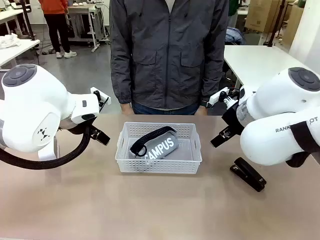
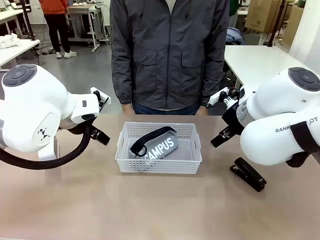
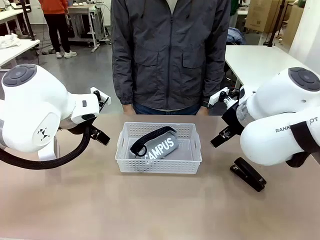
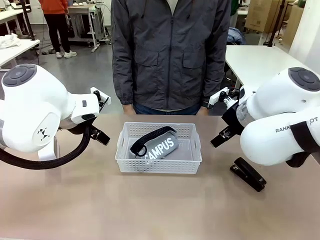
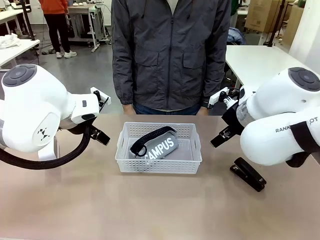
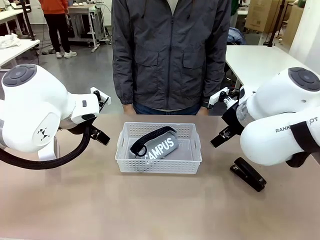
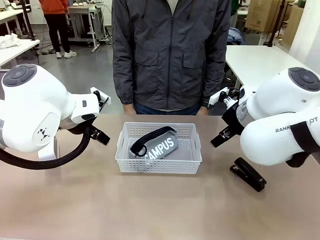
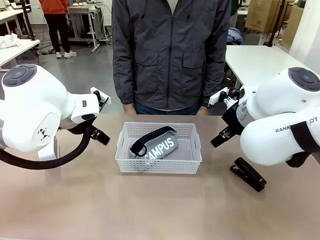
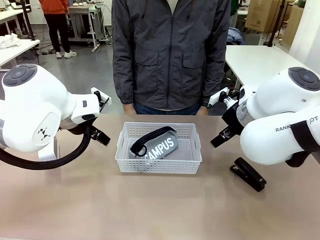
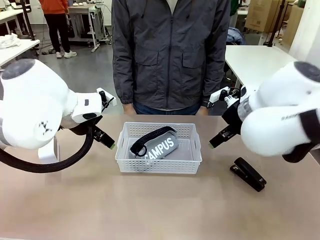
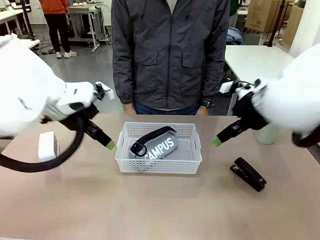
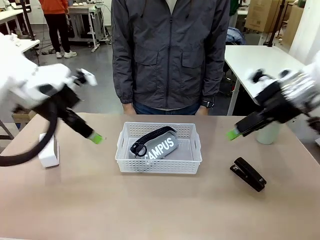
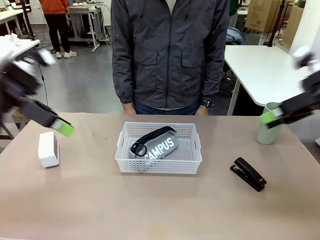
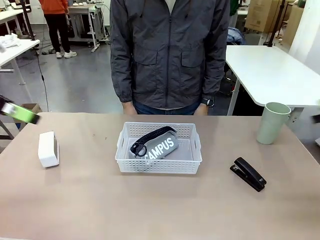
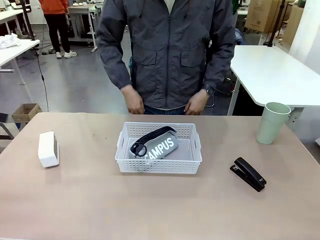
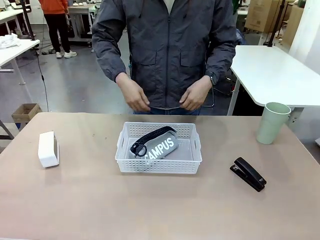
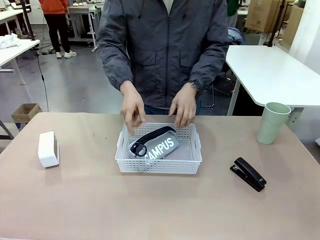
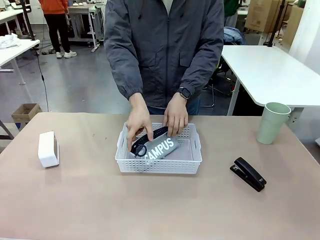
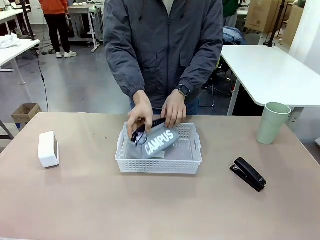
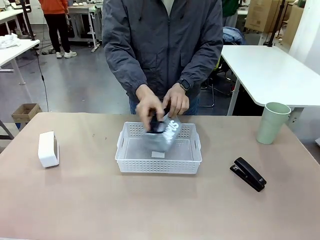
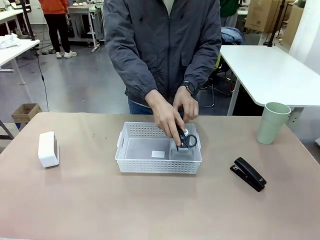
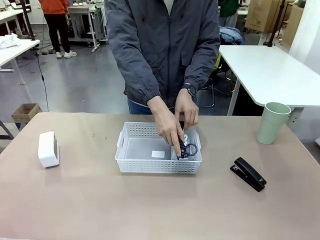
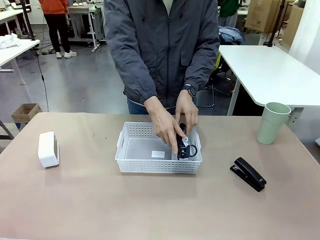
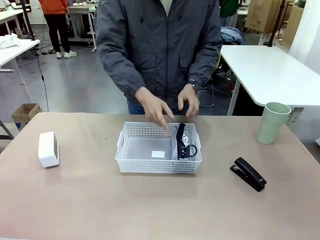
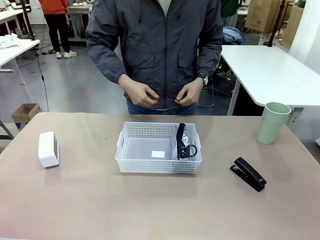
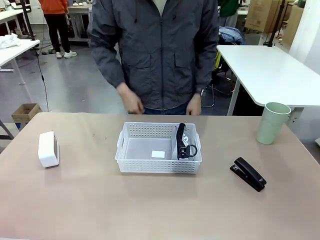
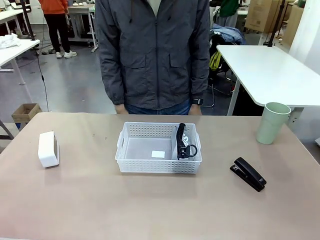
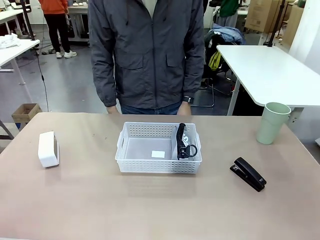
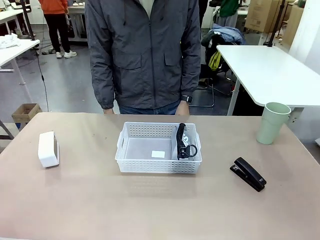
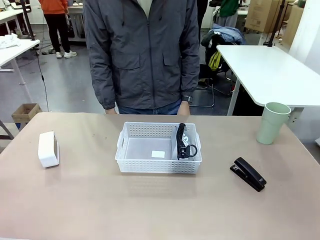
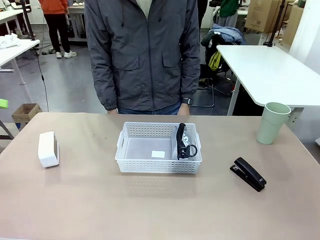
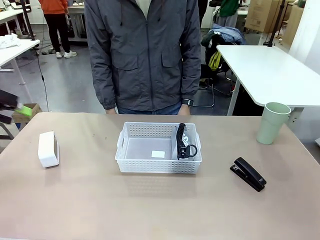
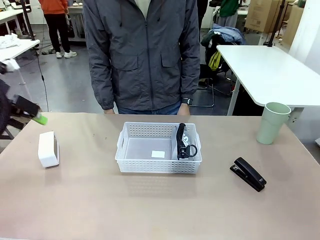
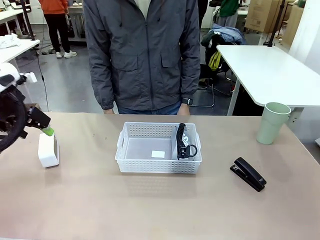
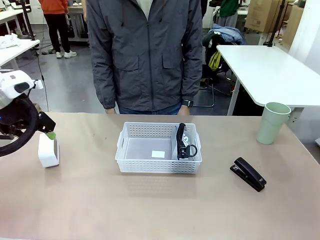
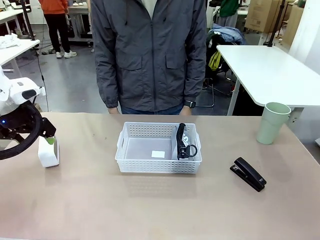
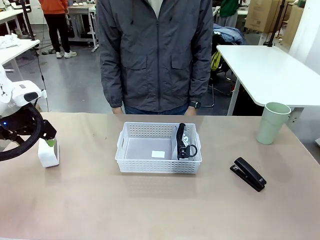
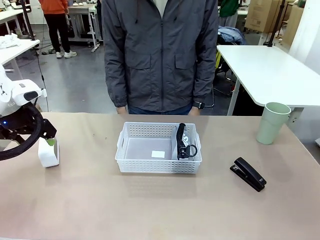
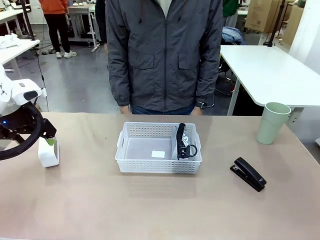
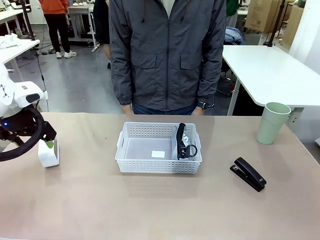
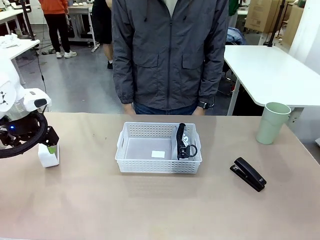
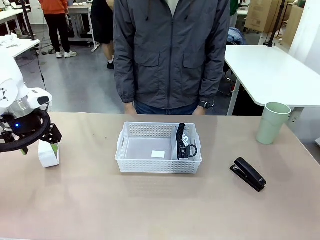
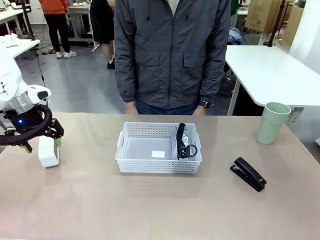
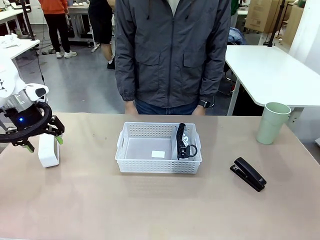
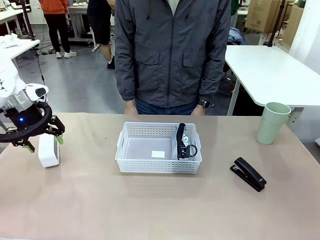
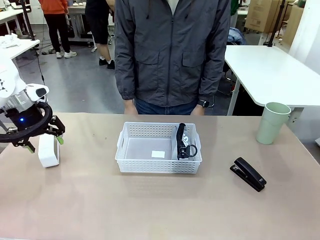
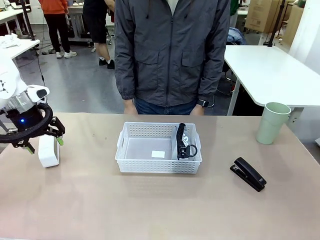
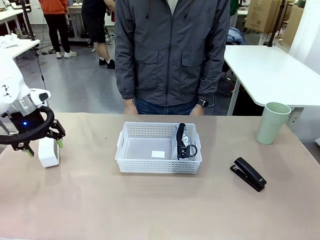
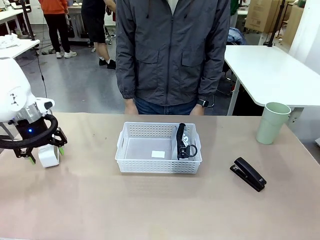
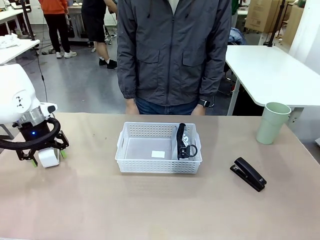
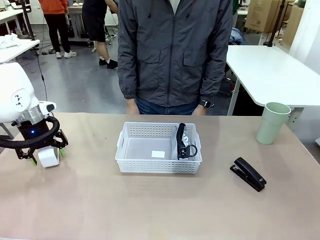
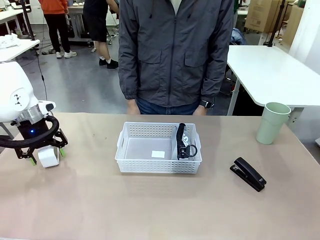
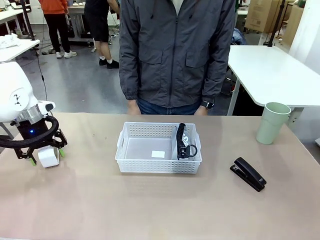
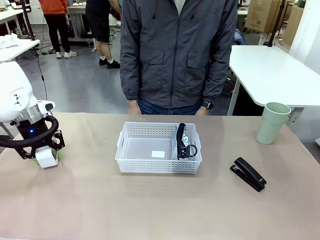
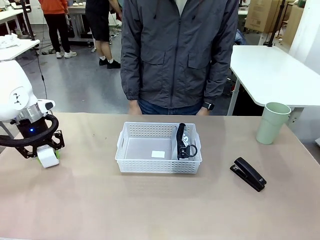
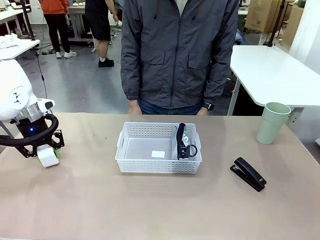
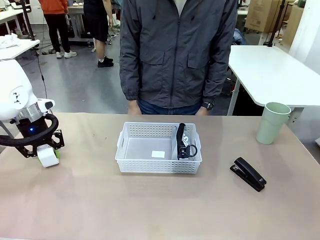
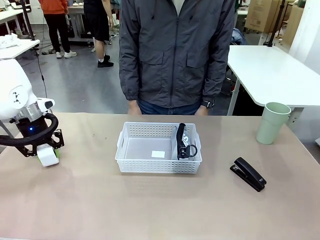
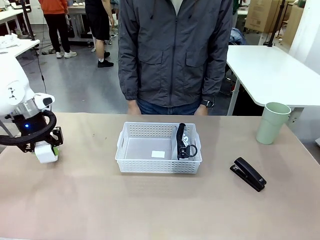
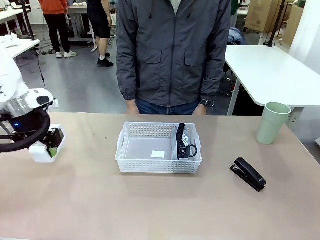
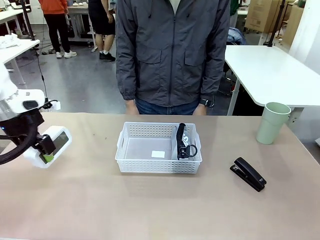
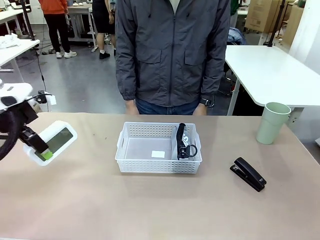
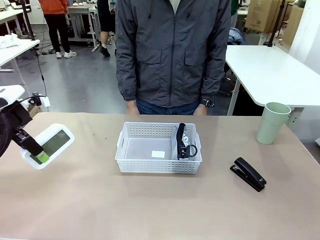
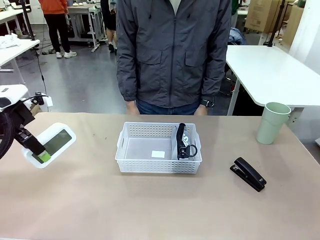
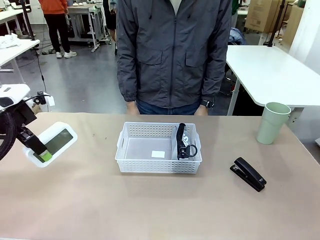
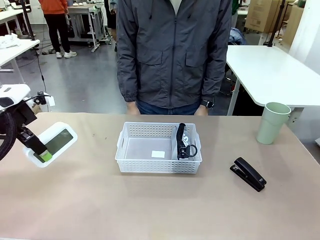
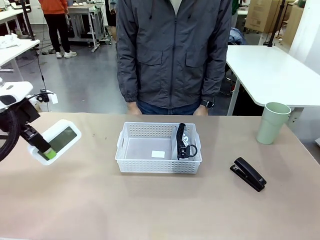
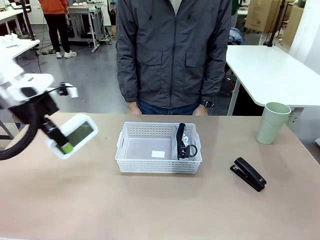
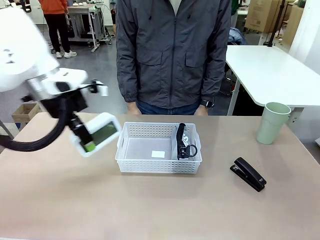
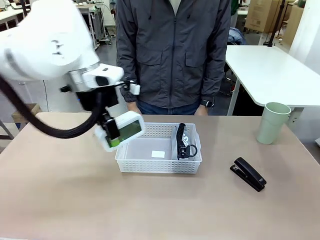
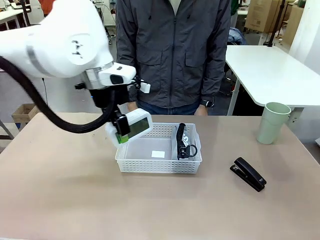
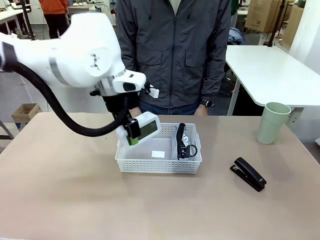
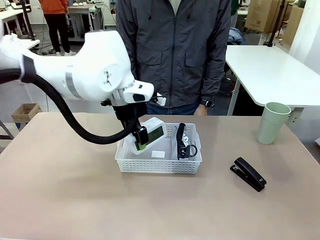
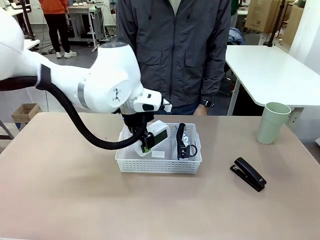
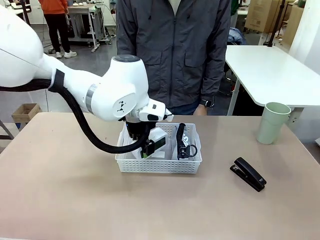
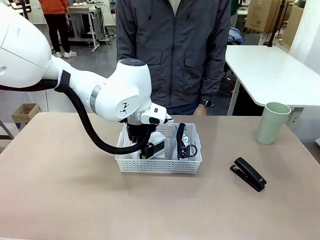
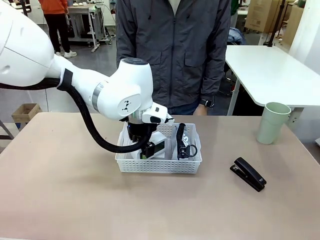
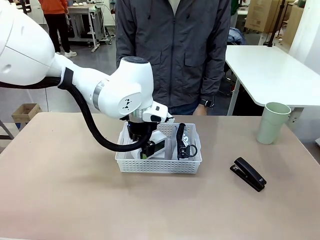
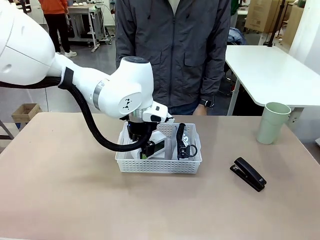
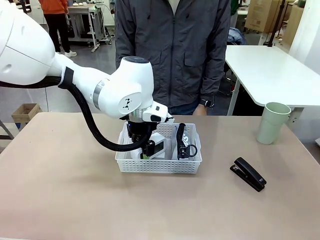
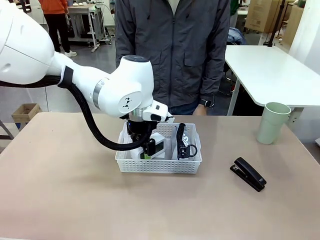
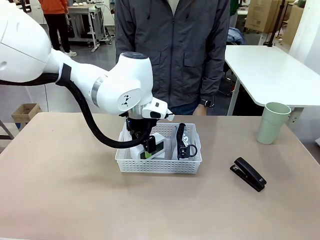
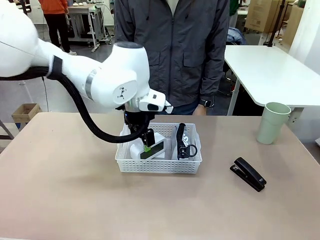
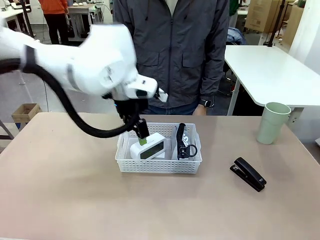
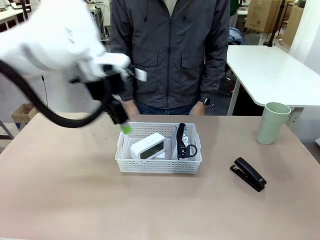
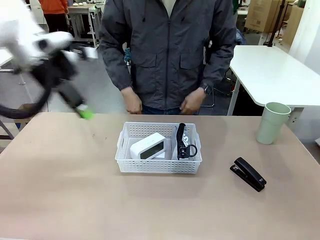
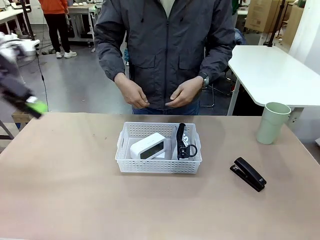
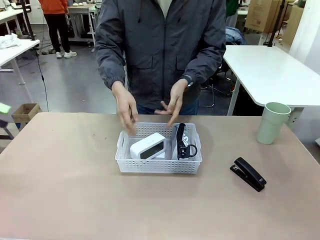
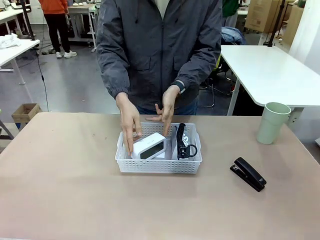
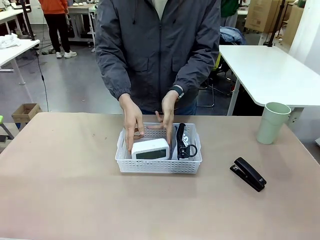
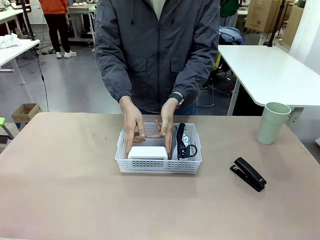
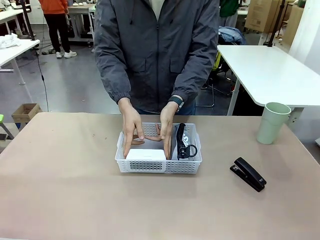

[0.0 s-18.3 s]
Task: Efficiently arrange items inside the basket to fit them all.
Robot: Pick up the Digital clock and place it inside the Organizing basket.
Person: Repositions the pencil case. Repositions the digital clock.
